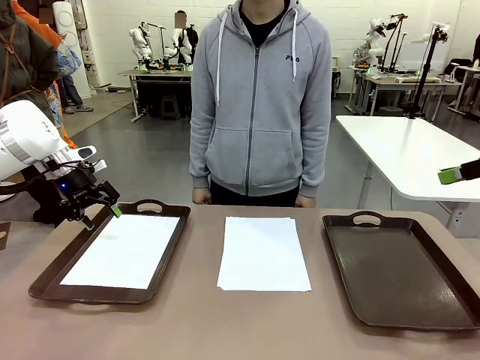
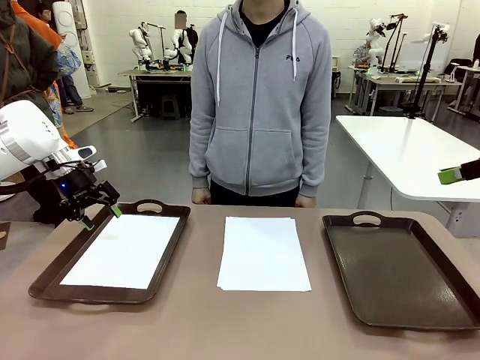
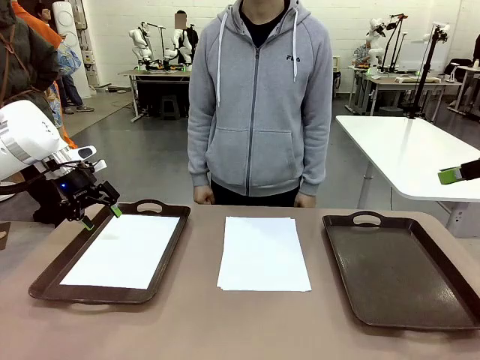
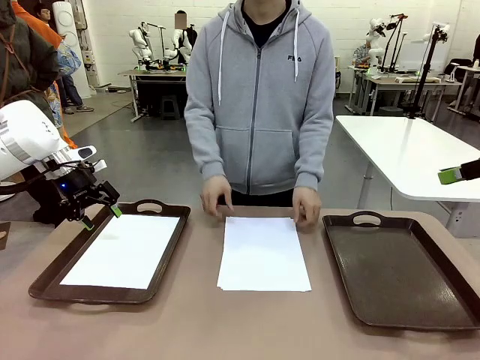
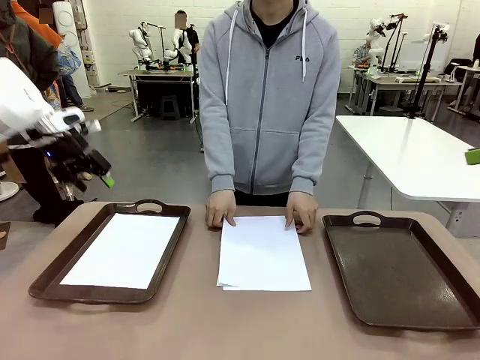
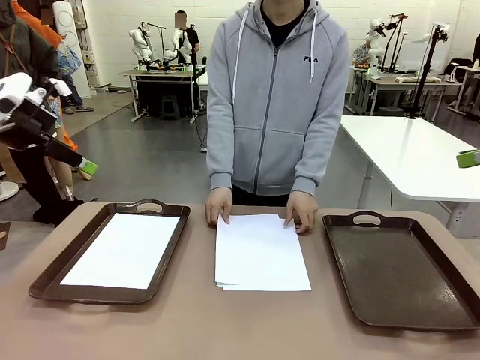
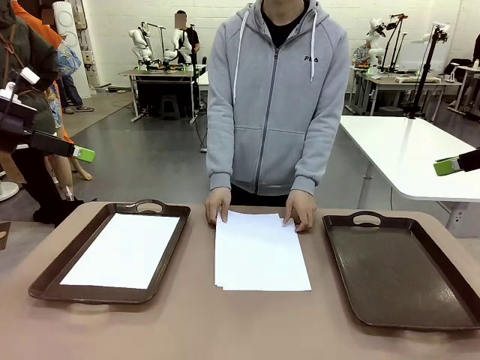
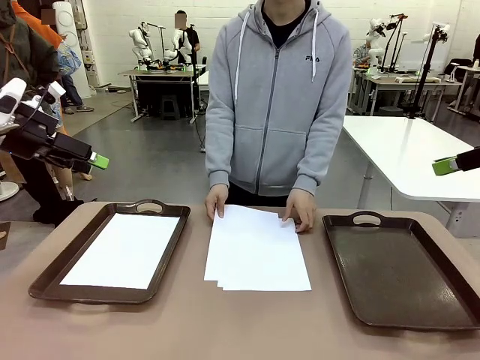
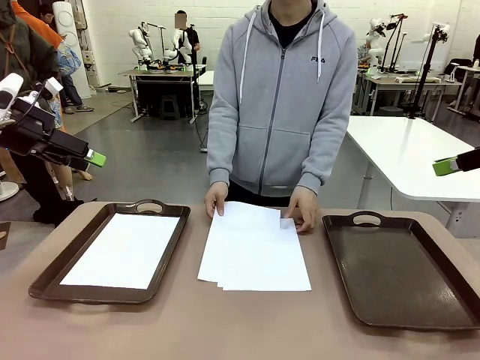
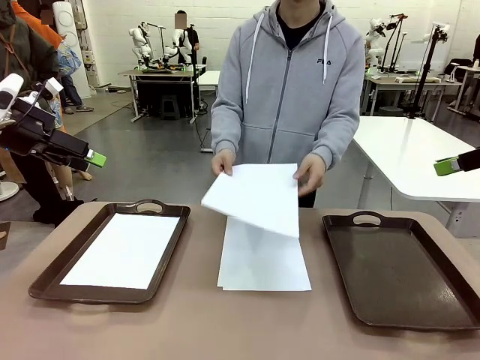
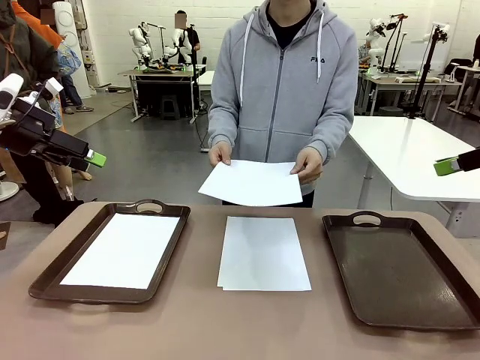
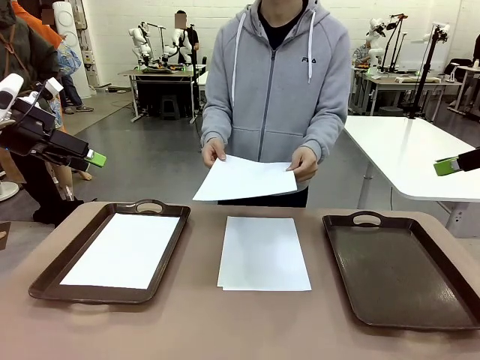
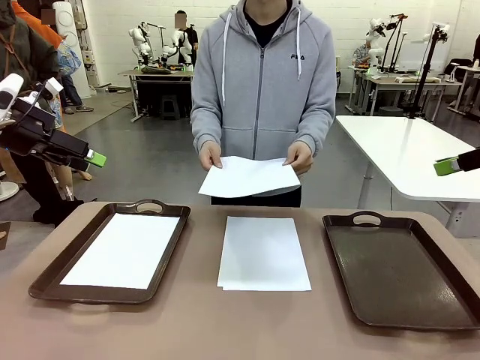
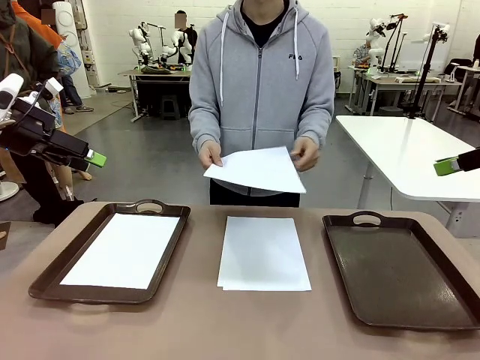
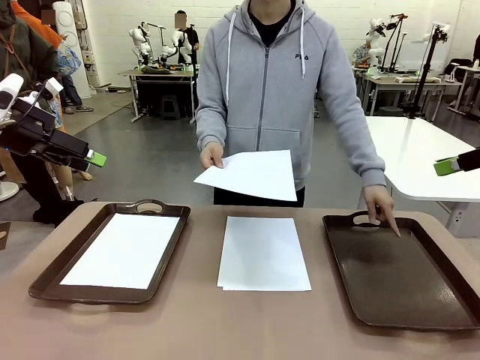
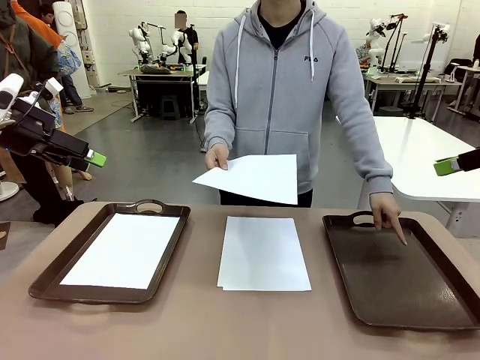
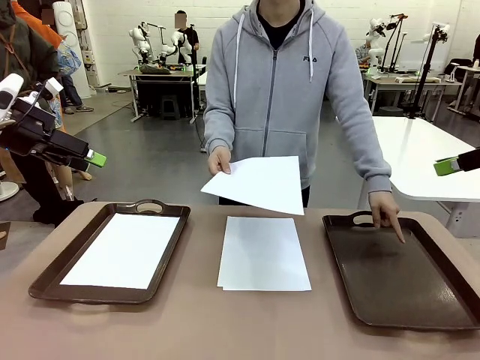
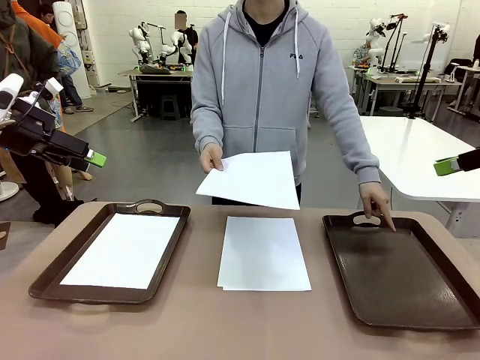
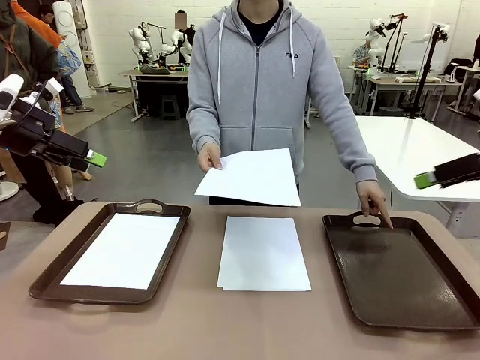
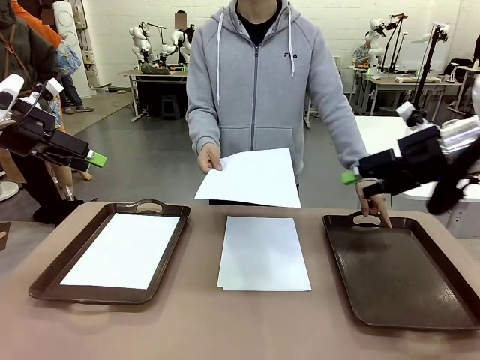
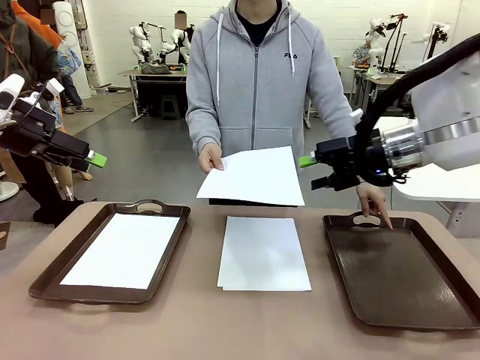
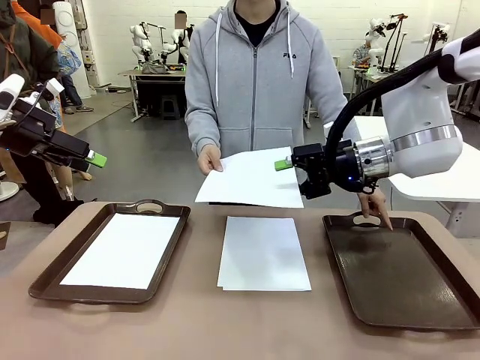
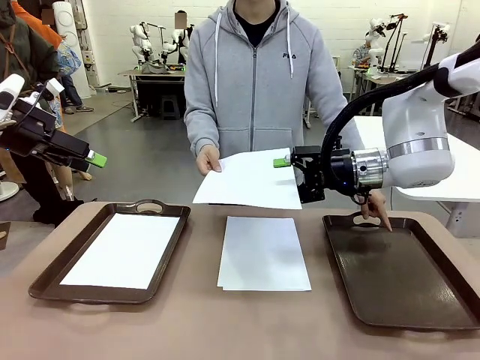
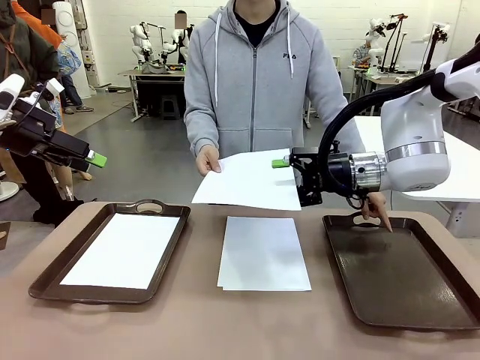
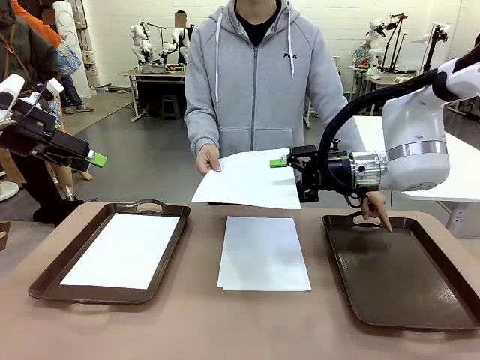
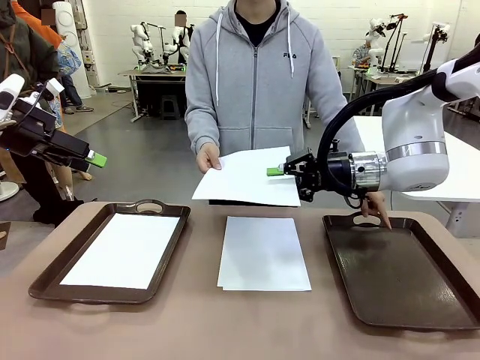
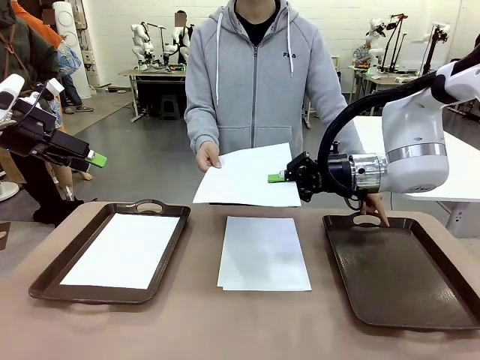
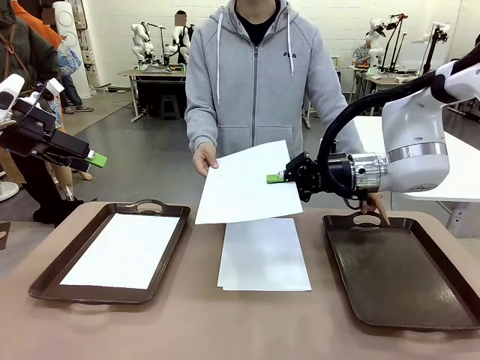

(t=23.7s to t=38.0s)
Task: Sort the A4 documents.
Robot: Receive the A4 Paper.
Person: Point the randomly selected tray with the other hand.

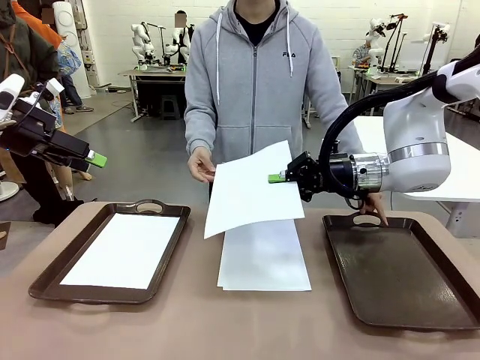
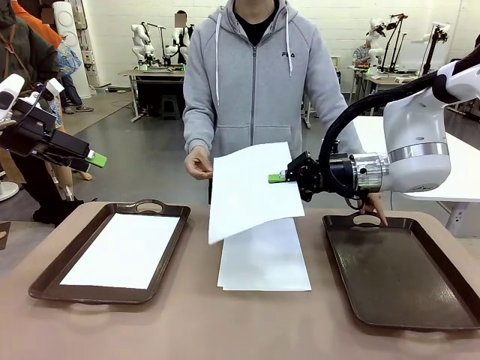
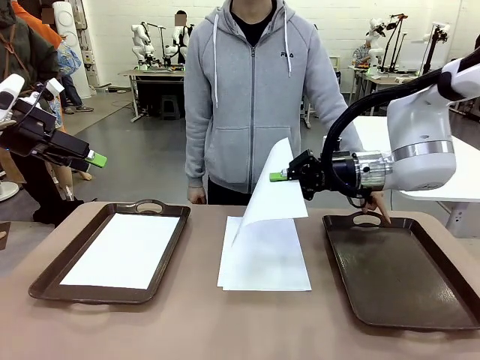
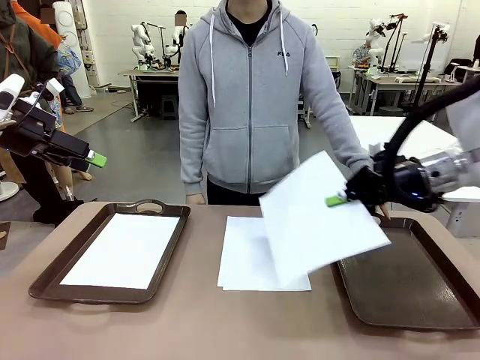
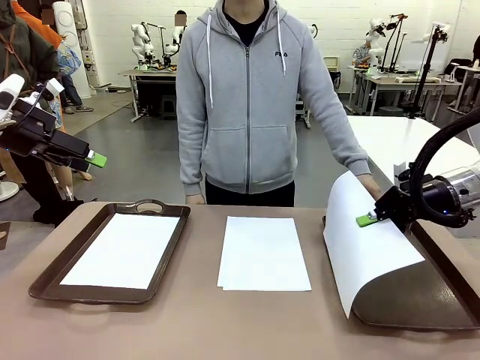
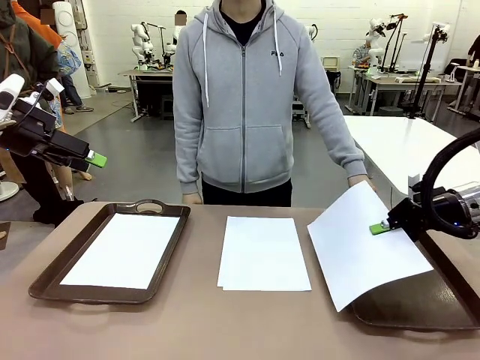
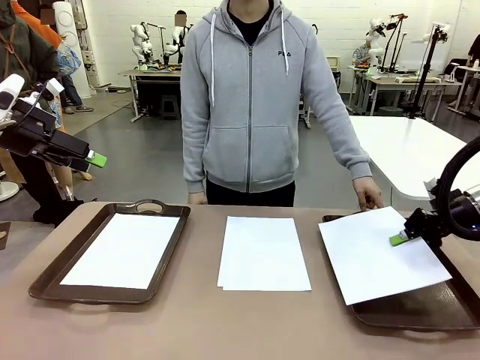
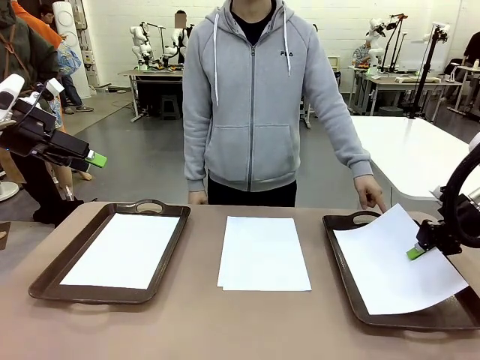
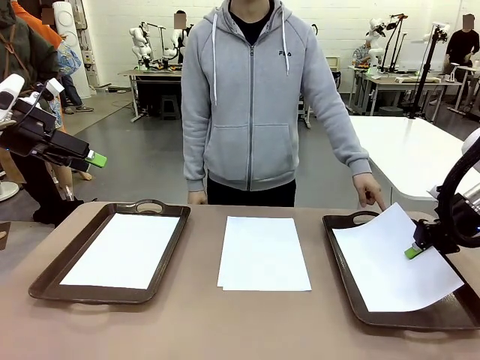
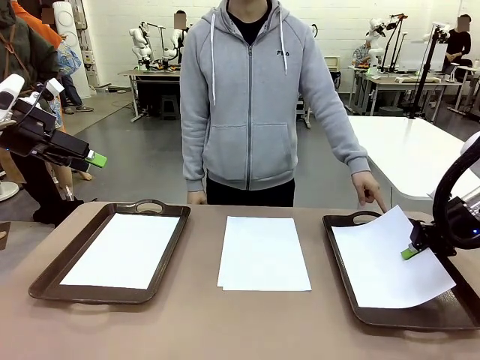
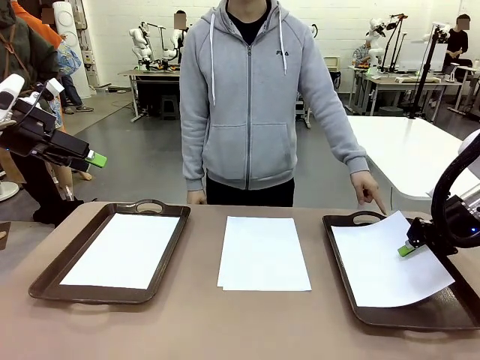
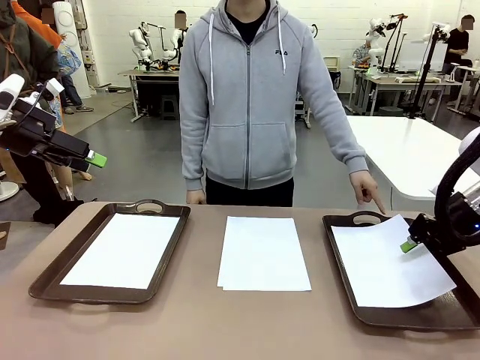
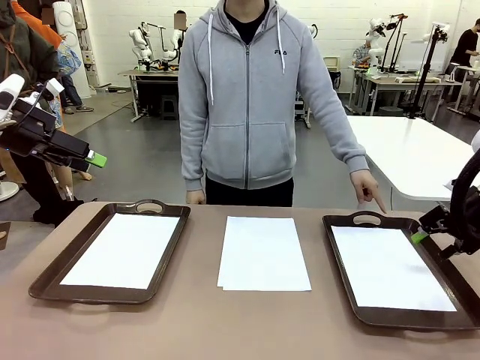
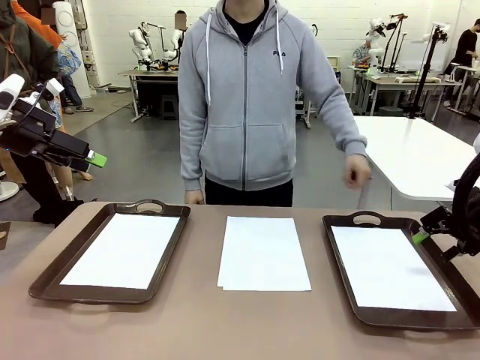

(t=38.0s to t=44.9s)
Robot: Place the A4 Paper in the designated Handle tray.

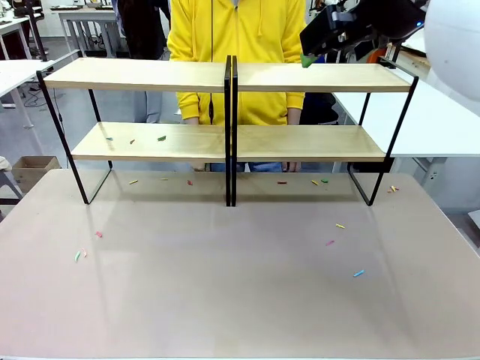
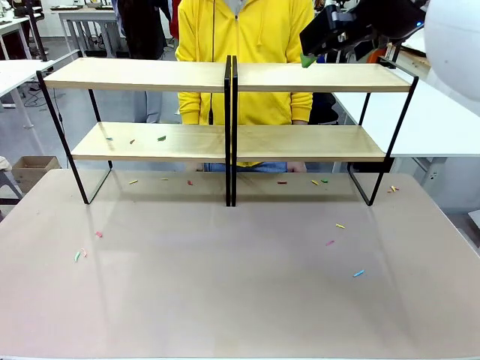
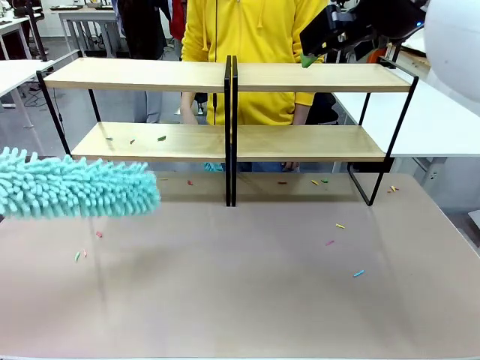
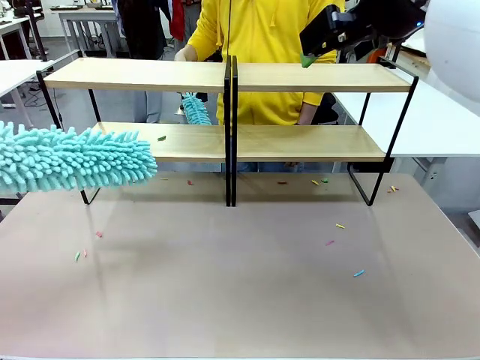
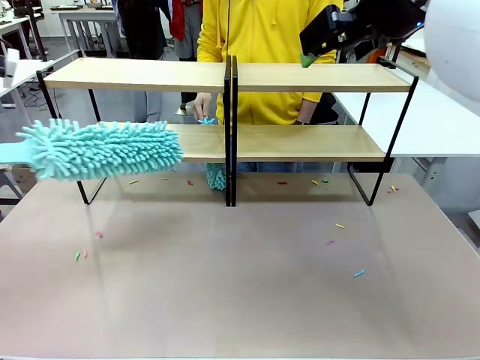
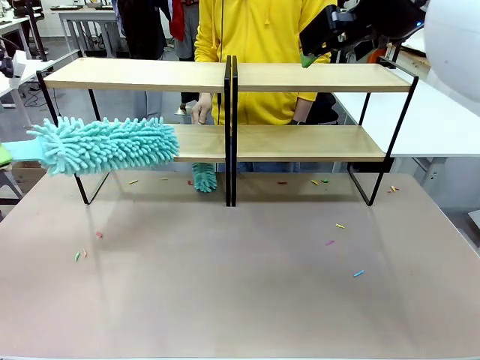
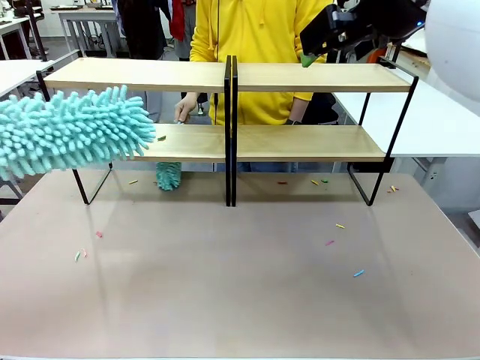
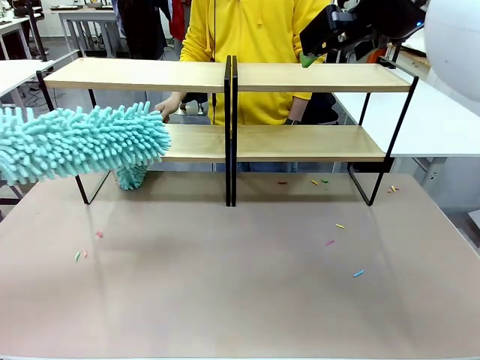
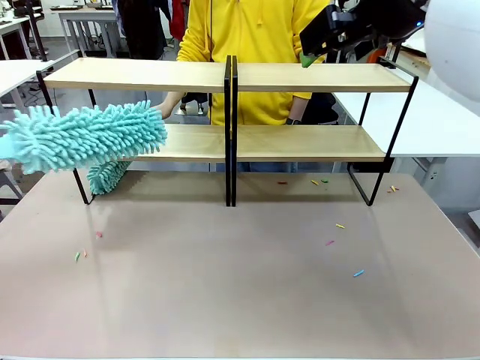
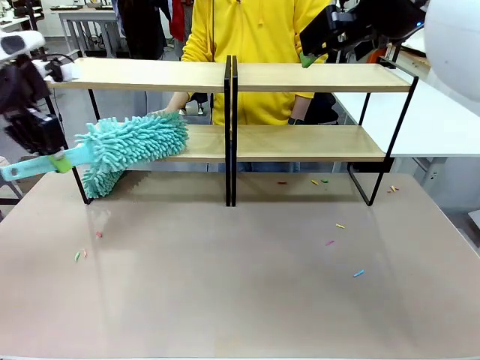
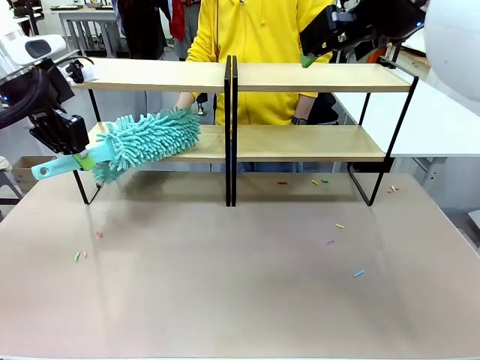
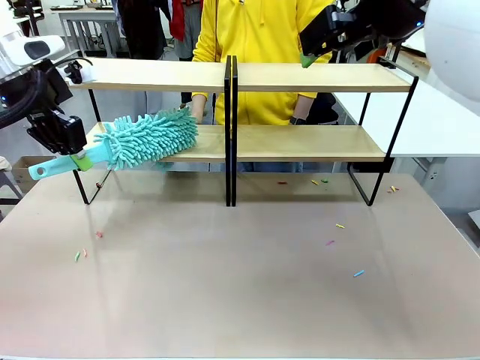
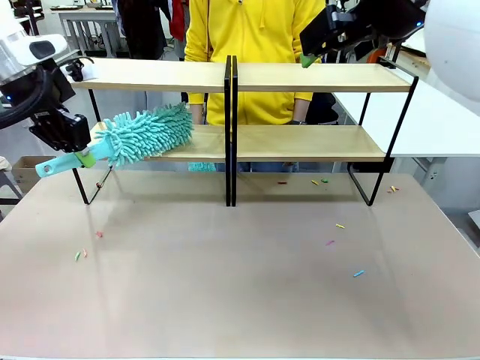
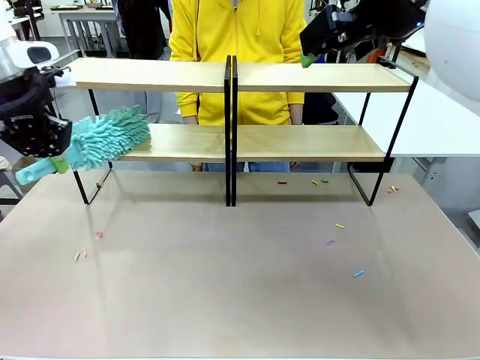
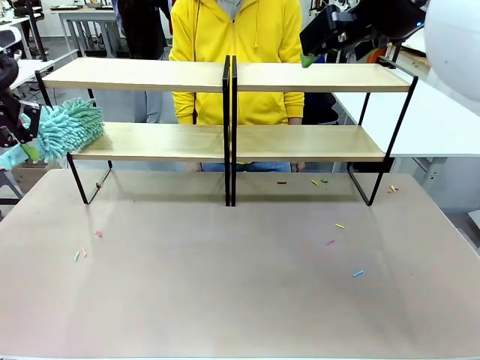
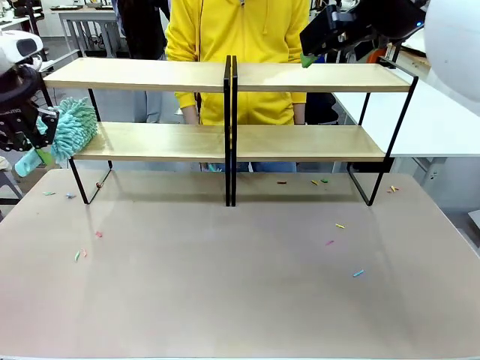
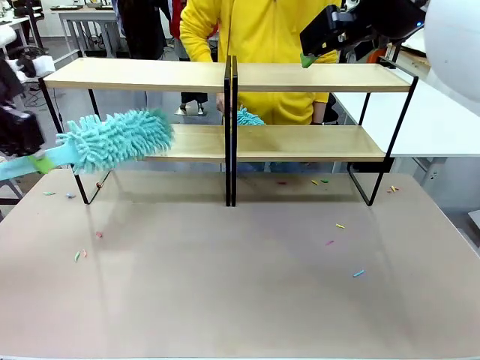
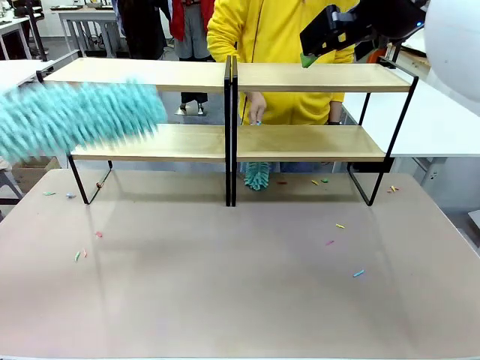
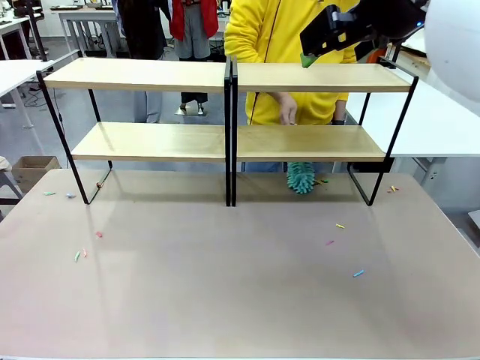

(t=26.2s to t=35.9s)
Task: Clean the shelves.
Robot: Clean another randomly selected level of the Shelf with the Duster.
